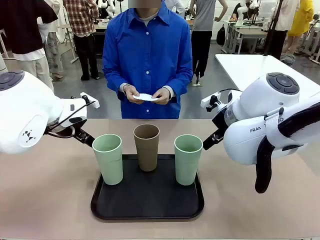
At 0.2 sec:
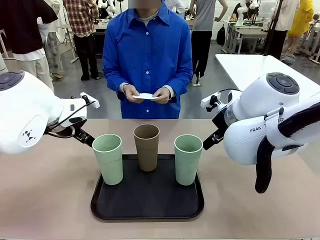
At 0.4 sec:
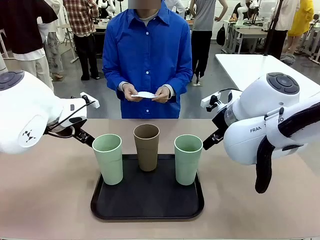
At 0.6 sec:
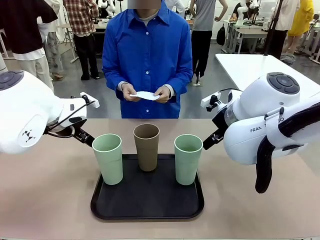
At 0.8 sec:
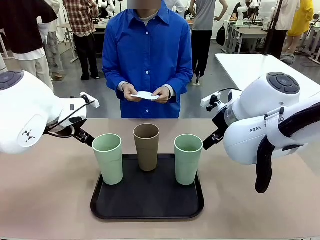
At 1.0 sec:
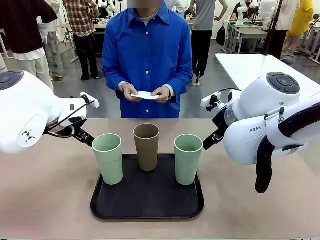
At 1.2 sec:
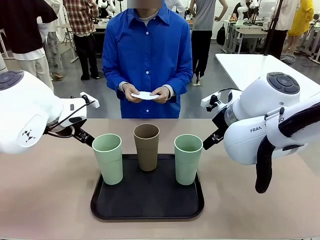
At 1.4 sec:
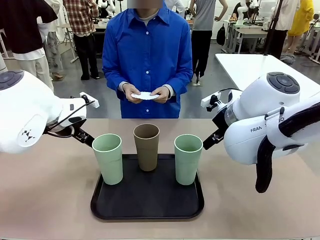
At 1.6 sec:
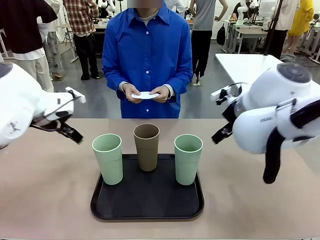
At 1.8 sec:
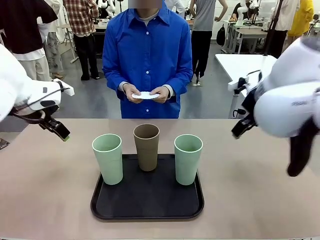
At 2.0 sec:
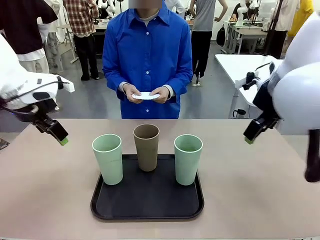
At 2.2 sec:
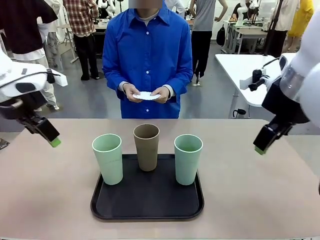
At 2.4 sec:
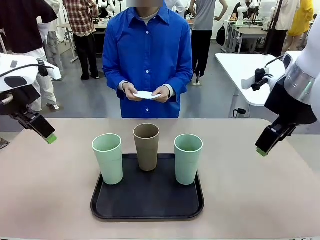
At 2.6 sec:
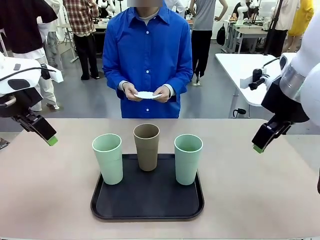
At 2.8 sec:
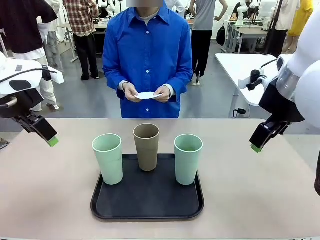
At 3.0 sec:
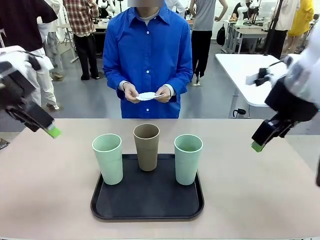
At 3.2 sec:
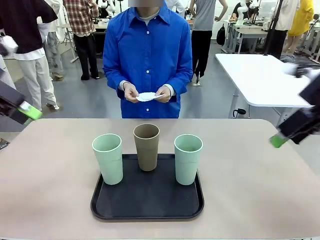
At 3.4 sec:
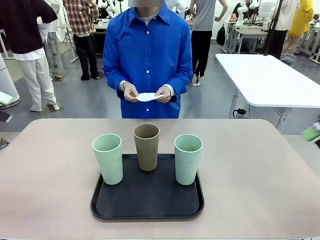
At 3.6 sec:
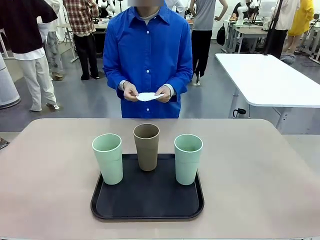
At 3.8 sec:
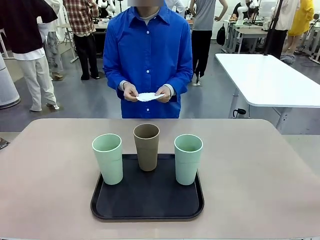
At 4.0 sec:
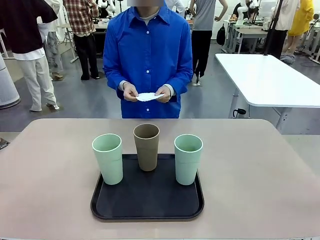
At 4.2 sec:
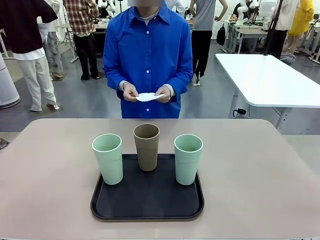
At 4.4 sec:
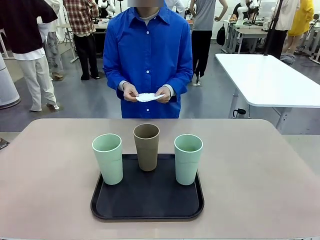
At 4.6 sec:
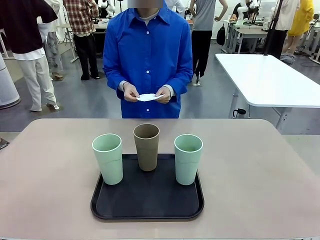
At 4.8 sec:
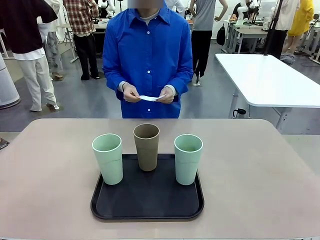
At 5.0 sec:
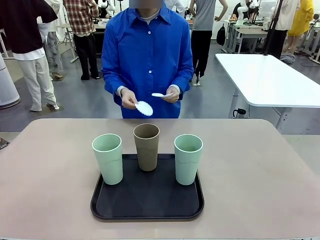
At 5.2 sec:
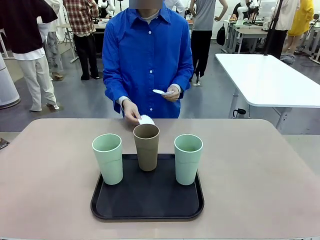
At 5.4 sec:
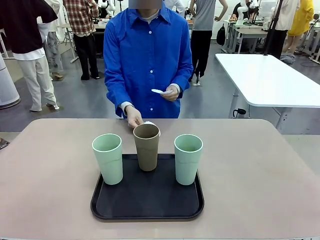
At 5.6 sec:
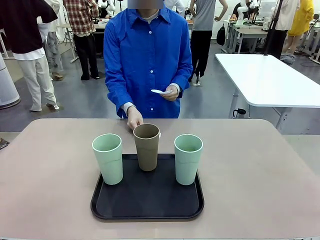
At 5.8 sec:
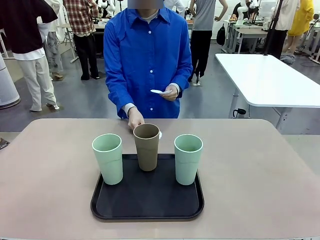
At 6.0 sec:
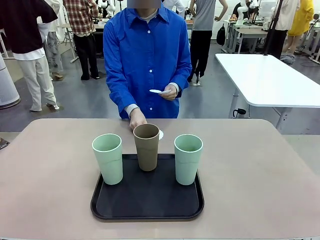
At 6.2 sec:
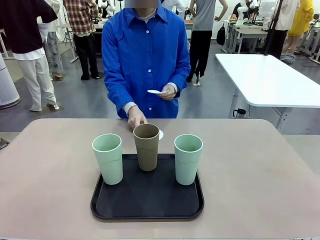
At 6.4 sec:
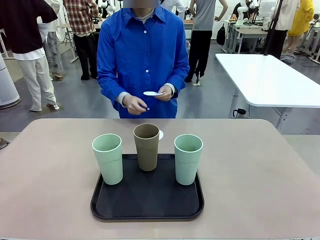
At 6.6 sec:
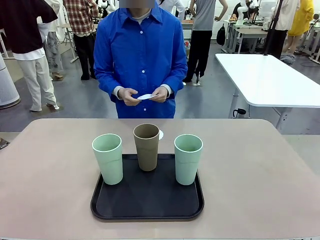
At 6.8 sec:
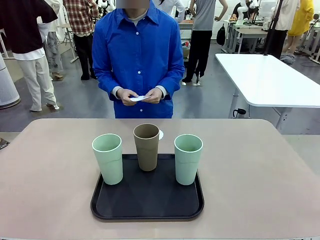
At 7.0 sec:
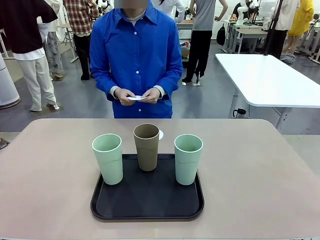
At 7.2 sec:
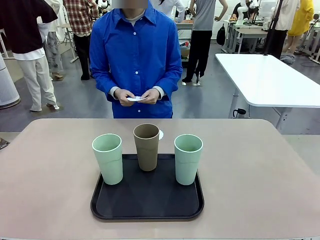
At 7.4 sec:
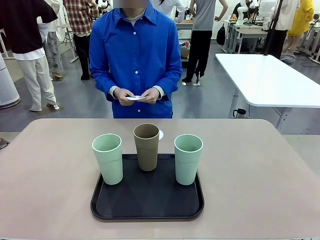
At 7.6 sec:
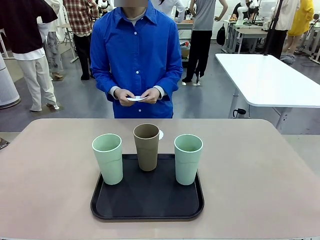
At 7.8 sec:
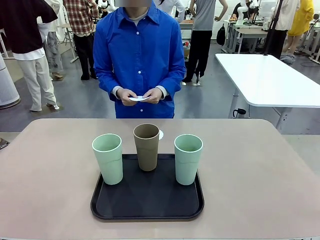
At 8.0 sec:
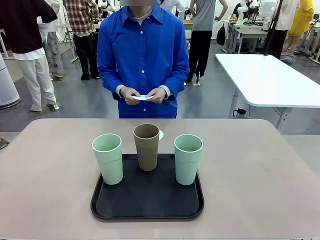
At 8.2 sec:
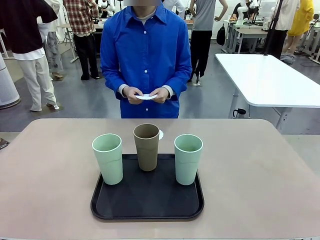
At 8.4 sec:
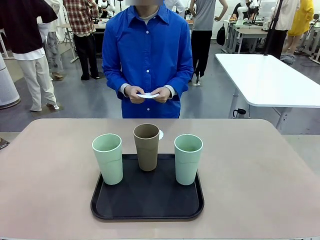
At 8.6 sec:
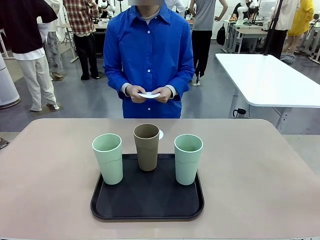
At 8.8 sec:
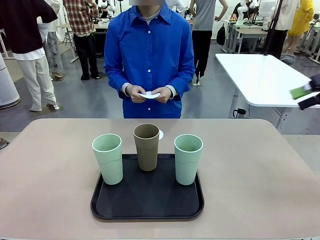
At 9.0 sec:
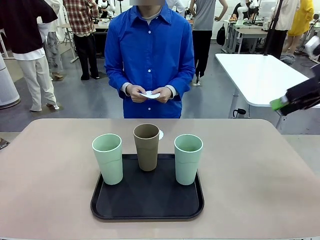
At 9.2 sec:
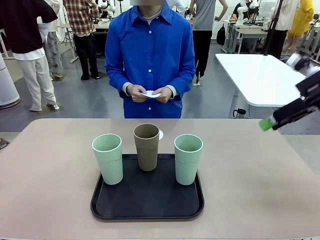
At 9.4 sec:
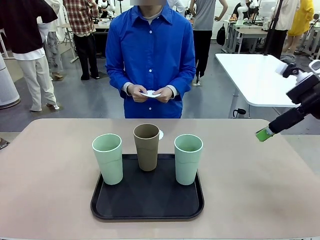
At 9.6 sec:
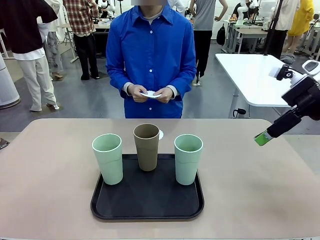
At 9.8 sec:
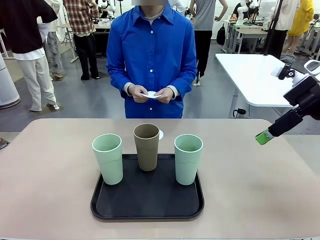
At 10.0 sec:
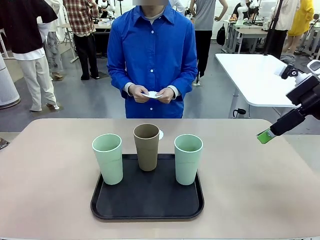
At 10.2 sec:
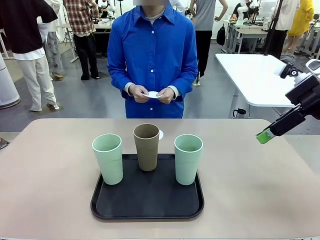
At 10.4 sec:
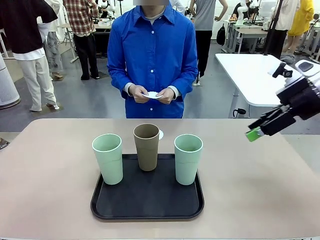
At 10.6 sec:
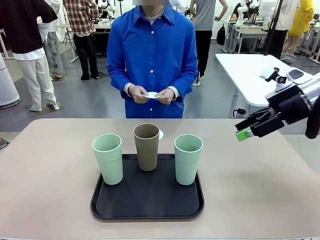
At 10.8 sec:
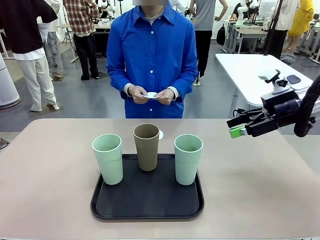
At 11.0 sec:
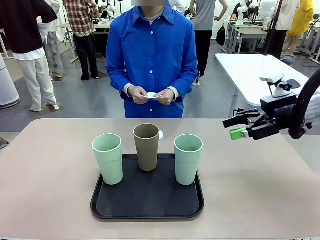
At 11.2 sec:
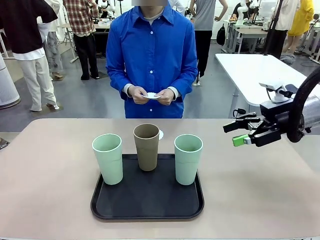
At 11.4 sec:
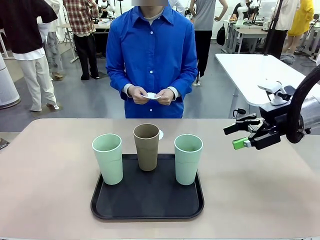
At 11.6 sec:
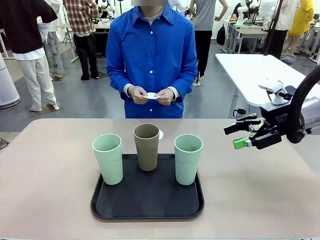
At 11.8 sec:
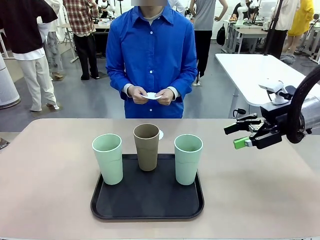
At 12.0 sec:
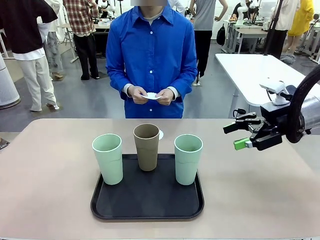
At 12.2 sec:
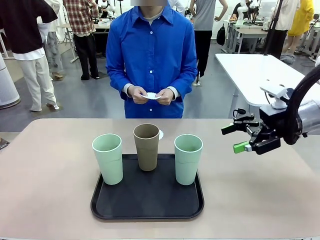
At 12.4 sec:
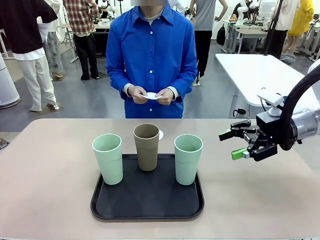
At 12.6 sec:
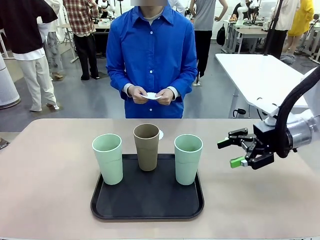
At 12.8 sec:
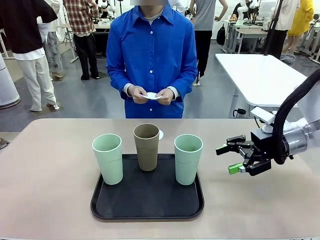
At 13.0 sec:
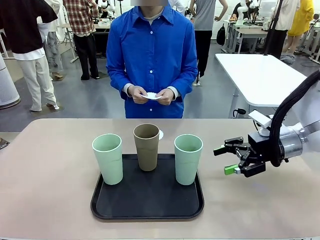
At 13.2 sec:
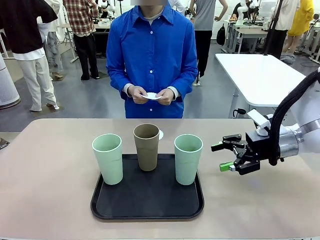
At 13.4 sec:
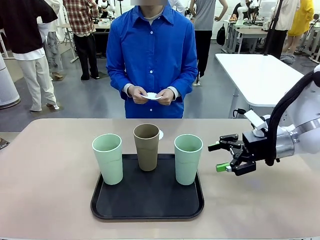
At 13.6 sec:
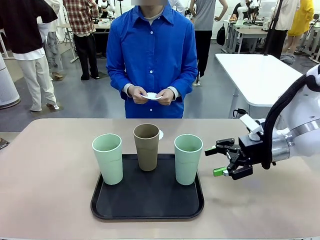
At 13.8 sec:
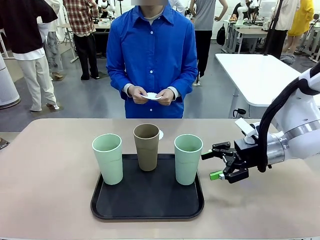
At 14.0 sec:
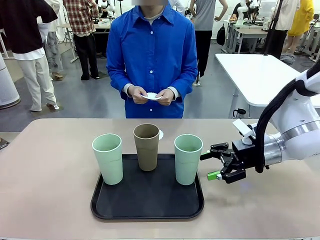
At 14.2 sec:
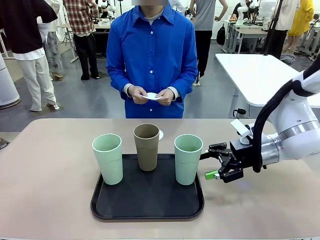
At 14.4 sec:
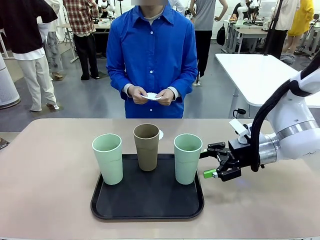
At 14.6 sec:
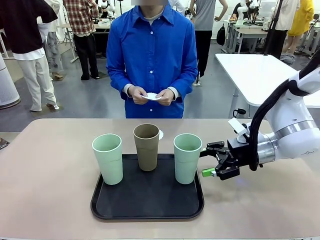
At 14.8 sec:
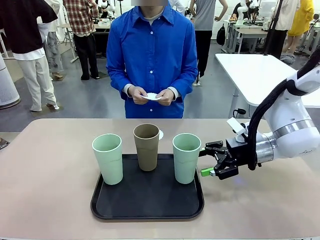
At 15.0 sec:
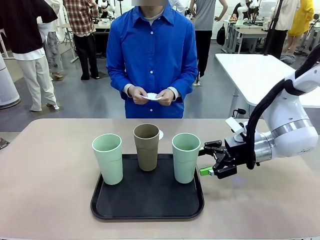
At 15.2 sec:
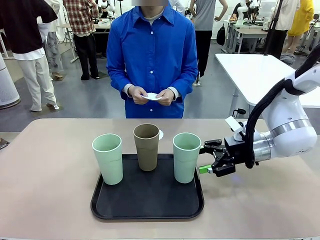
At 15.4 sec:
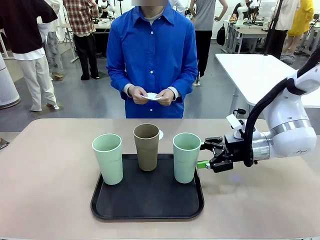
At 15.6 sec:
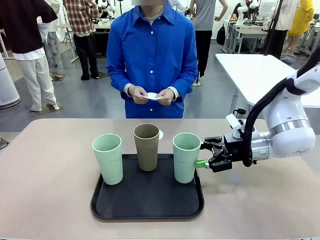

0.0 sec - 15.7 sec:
Task: Place coasters on the table and set cups on them.
Robot: Pick up one Reusable plastic cup and place it on a coaster set by the human.
Person: Place one coaster in any one of the three lower areas of the robot table (left, center, or right).
